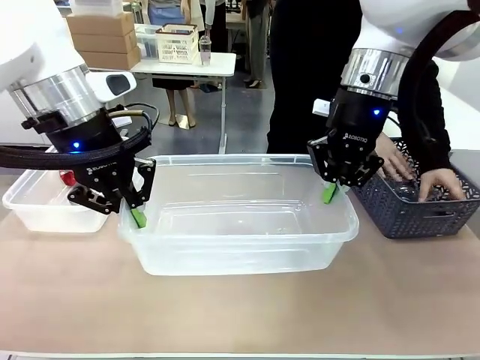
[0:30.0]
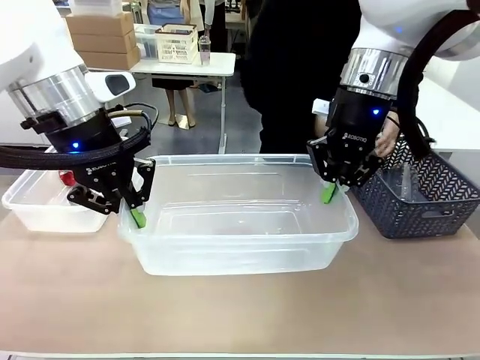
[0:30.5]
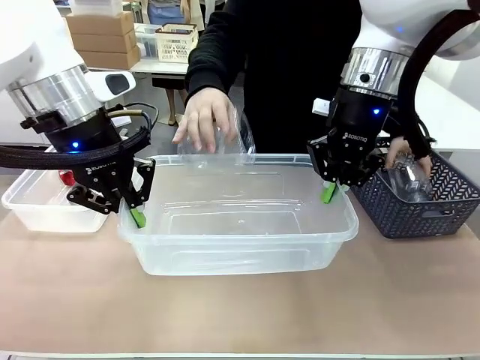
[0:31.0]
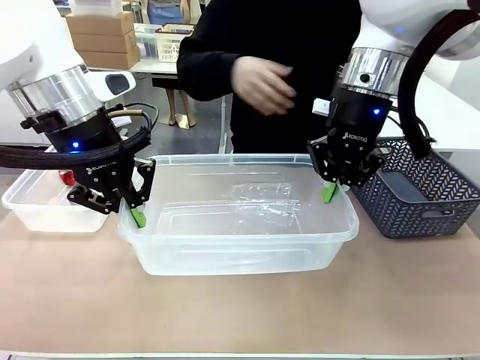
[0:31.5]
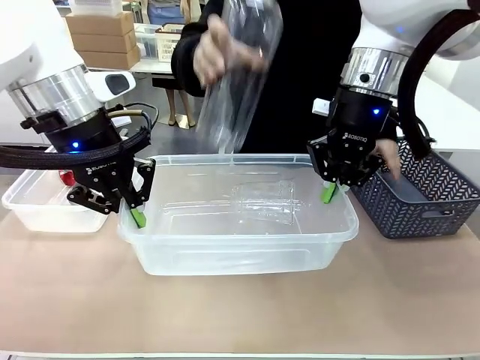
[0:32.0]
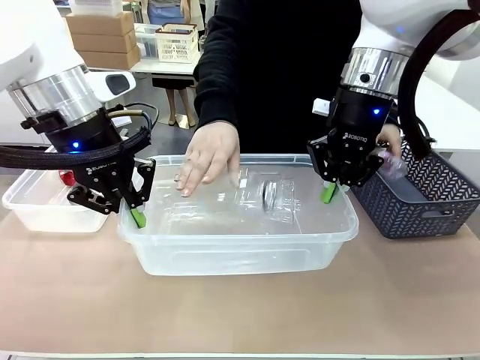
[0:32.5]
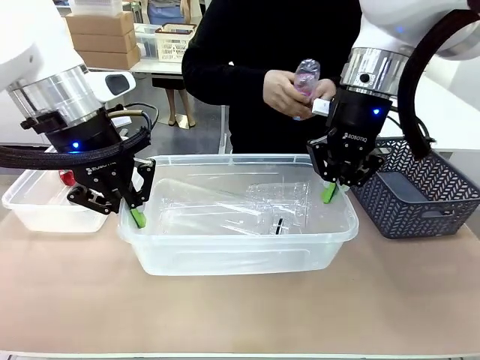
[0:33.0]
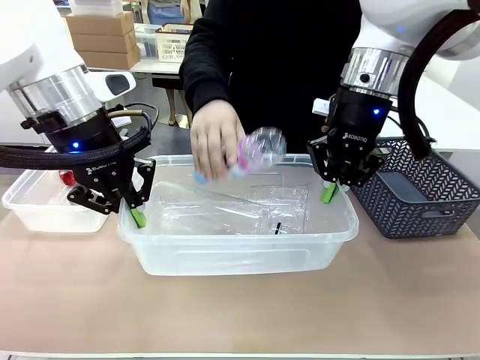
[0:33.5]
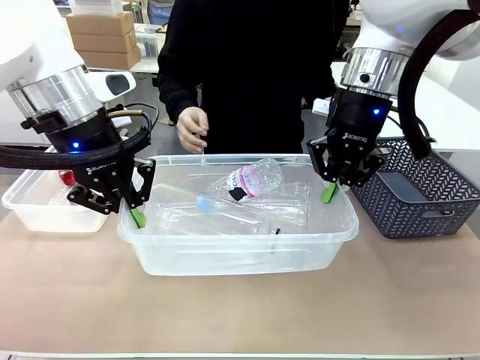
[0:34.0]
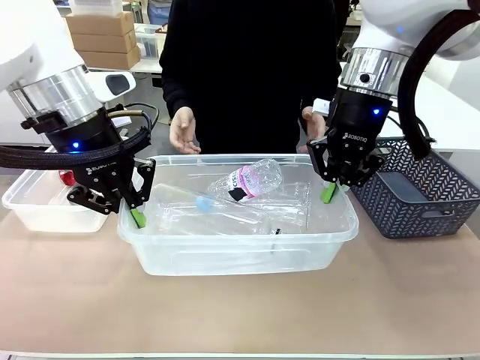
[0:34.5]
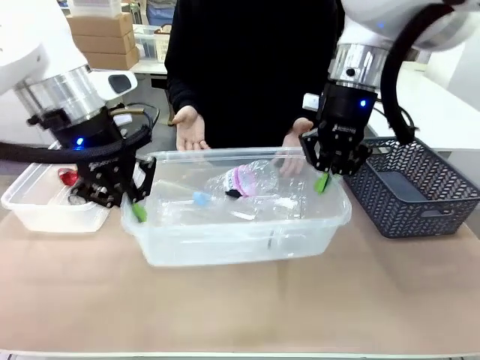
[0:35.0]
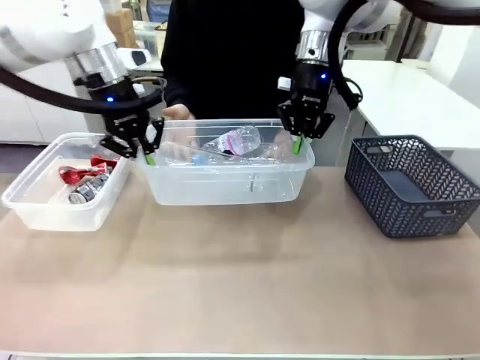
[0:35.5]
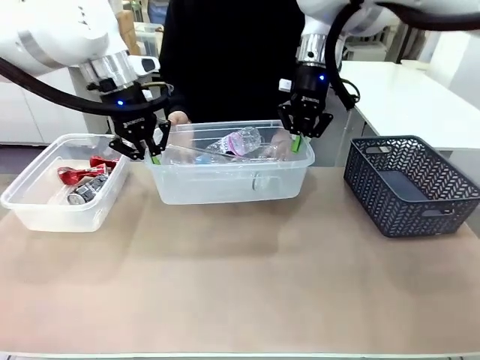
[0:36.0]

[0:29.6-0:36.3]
Robot: Offer the picked Organizing box to the human.
Person: Pick up plastic waste one by one and place it into the organizing box lifted by the robot.

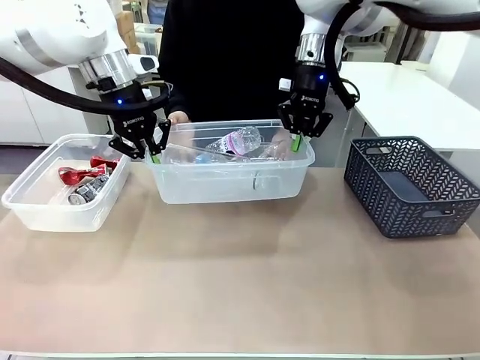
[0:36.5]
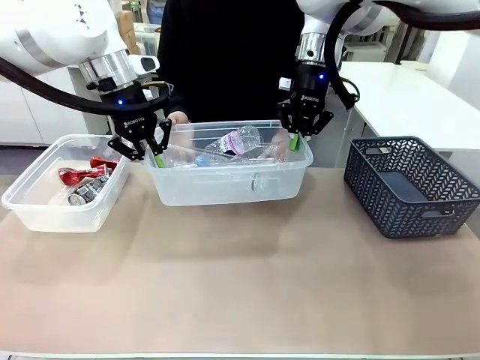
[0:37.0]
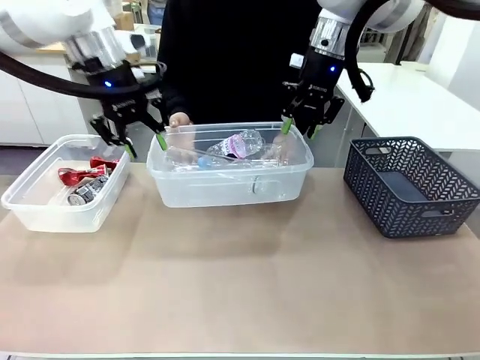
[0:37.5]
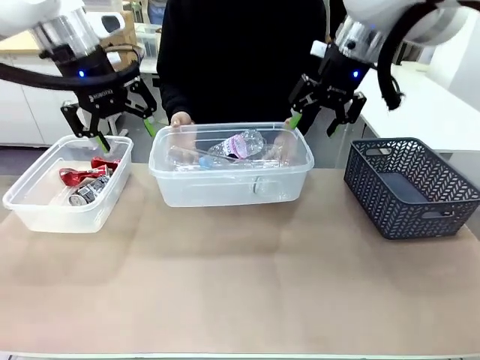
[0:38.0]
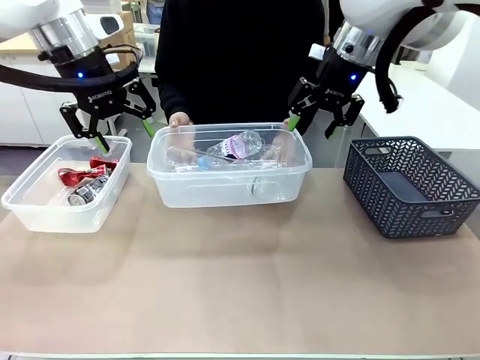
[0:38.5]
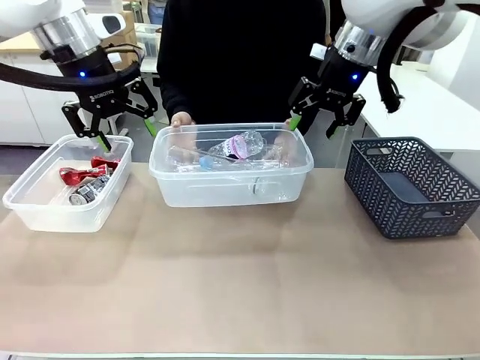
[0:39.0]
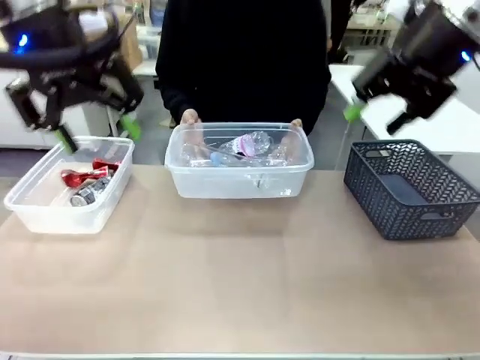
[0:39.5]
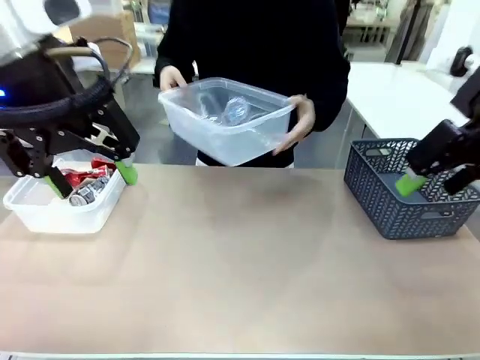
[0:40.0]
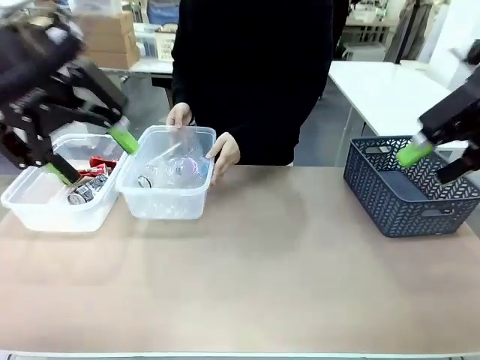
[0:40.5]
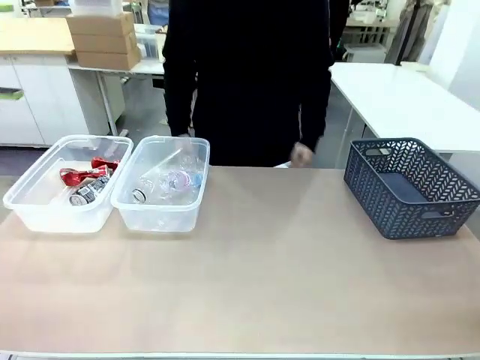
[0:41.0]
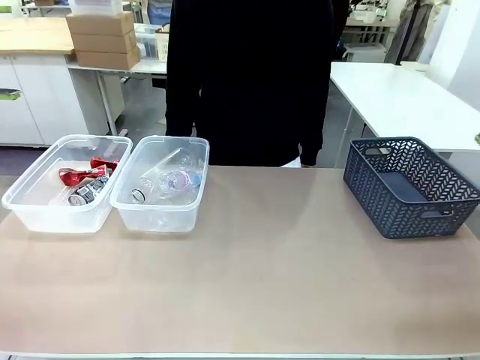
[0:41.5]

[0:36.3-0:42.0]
Robot: Release the Organizing box you were holding.
Person: Pick up the organizing box extended by the robot. Place the organizing box to the left of the sorting box containing the can waste.

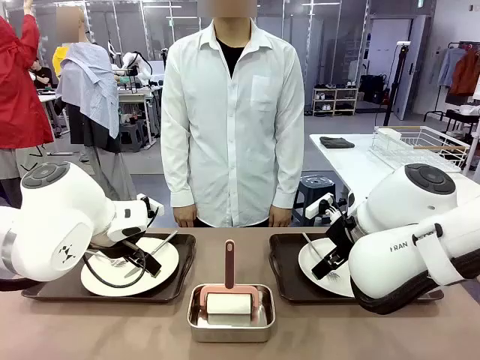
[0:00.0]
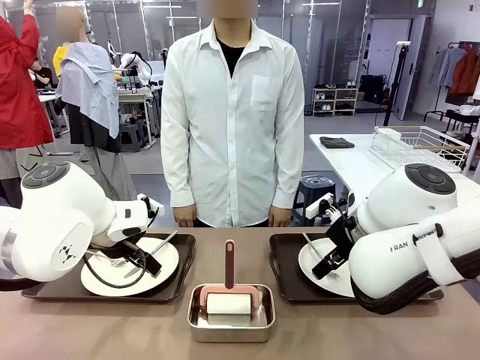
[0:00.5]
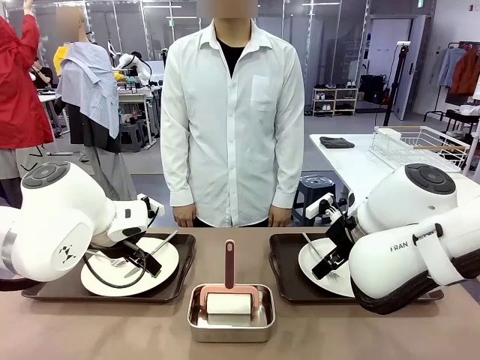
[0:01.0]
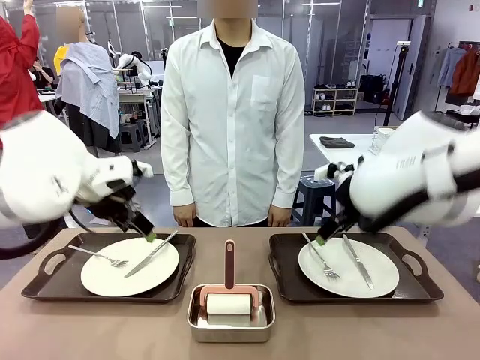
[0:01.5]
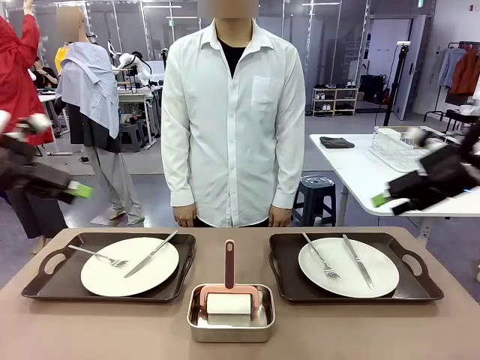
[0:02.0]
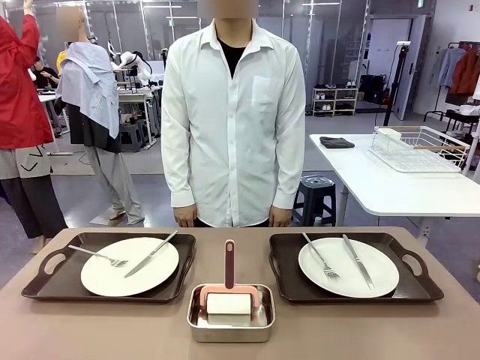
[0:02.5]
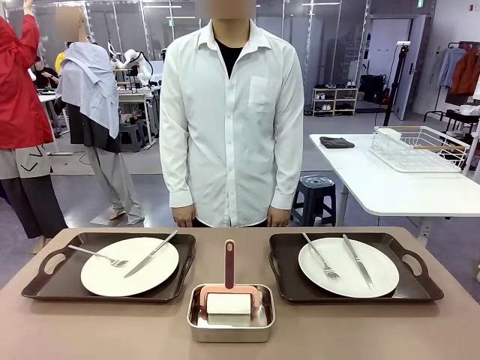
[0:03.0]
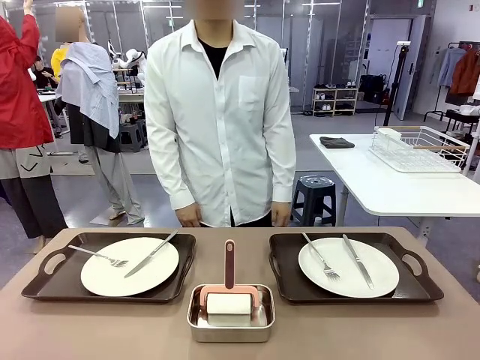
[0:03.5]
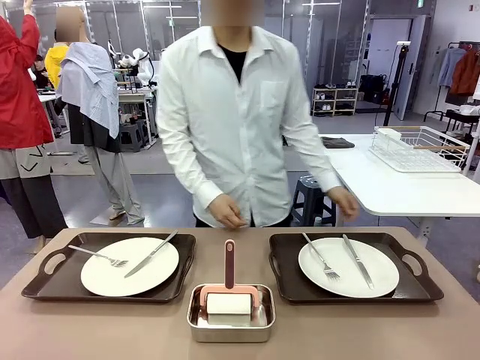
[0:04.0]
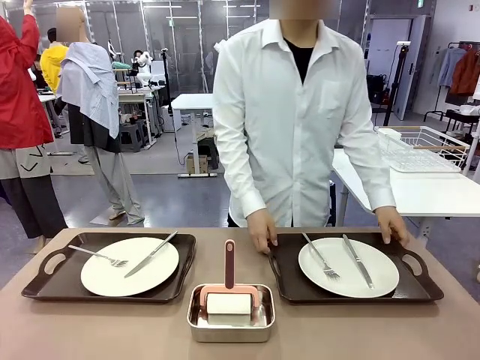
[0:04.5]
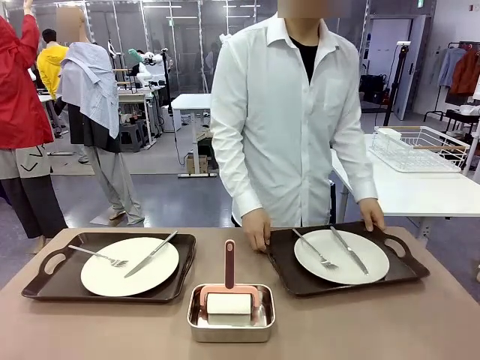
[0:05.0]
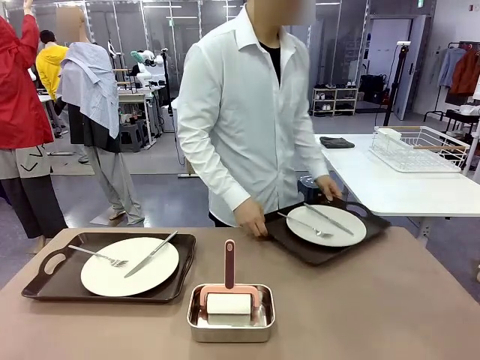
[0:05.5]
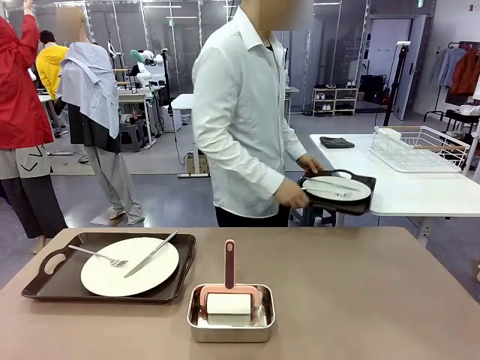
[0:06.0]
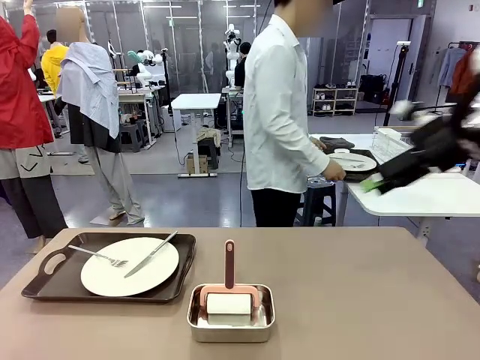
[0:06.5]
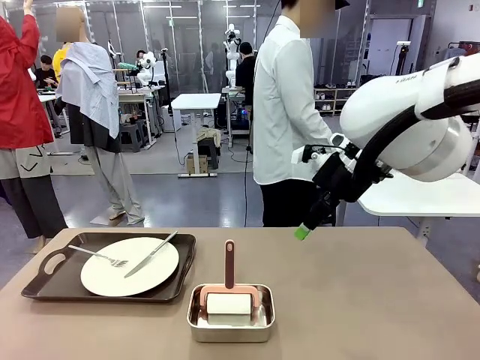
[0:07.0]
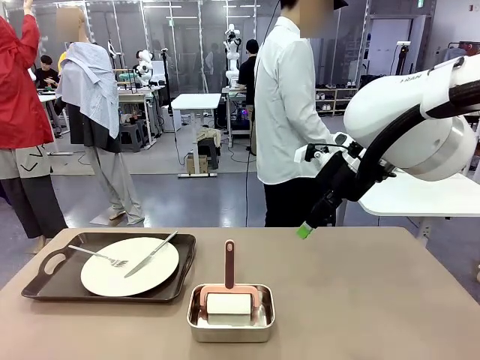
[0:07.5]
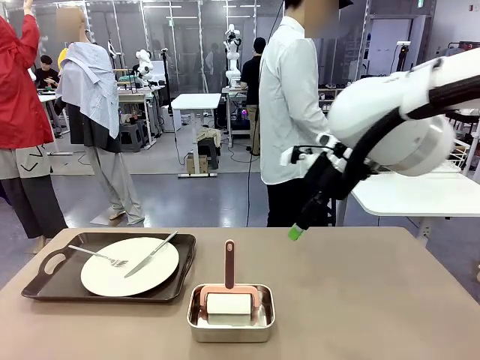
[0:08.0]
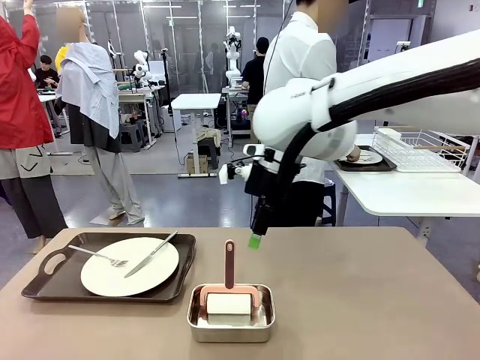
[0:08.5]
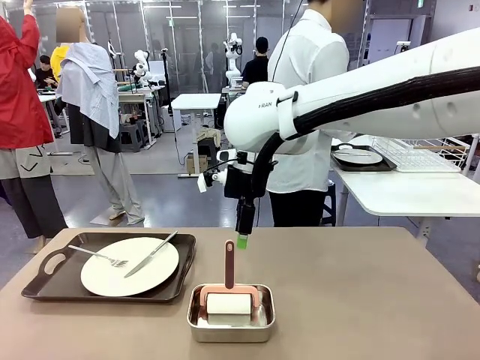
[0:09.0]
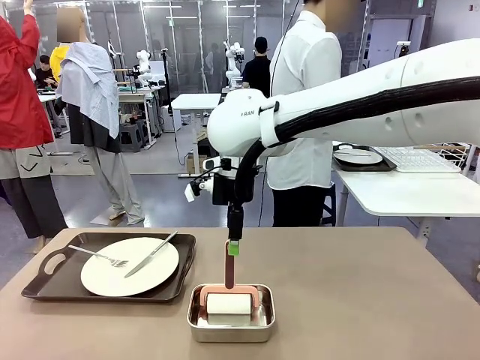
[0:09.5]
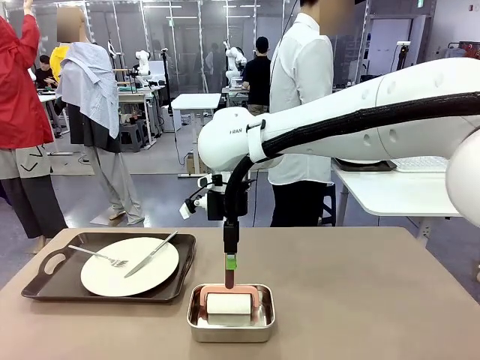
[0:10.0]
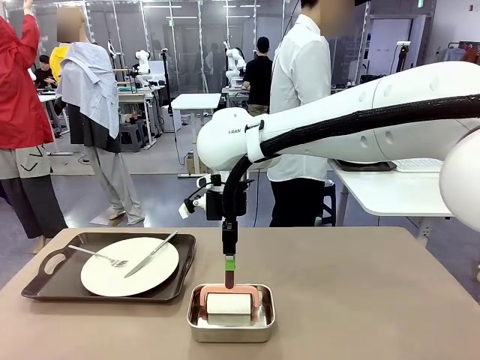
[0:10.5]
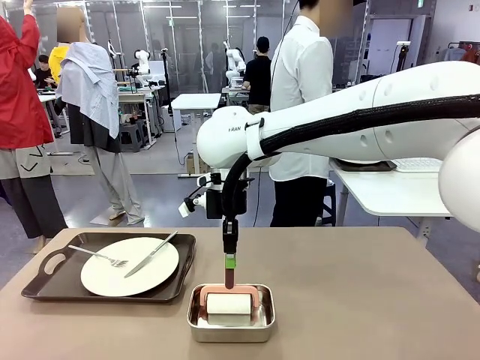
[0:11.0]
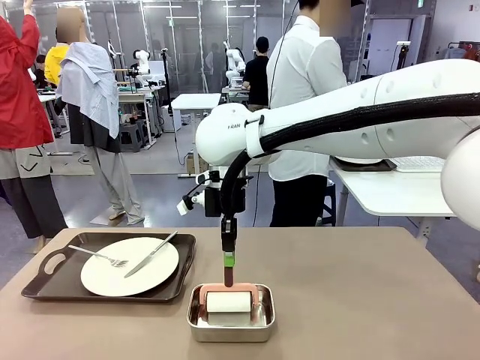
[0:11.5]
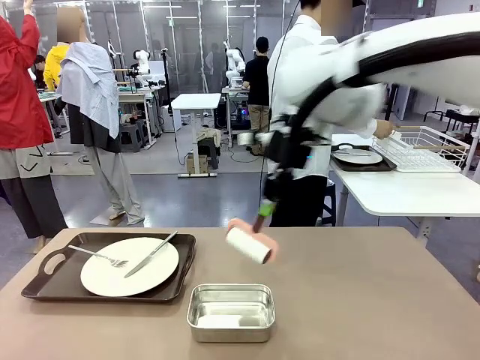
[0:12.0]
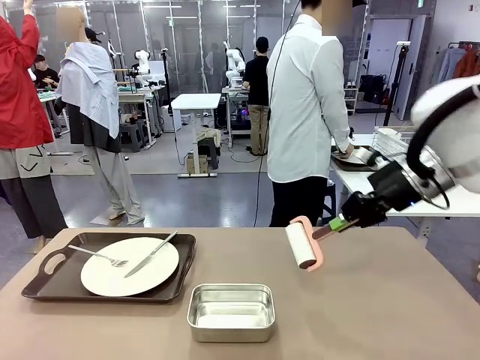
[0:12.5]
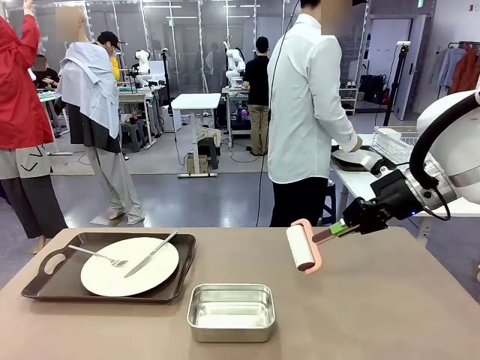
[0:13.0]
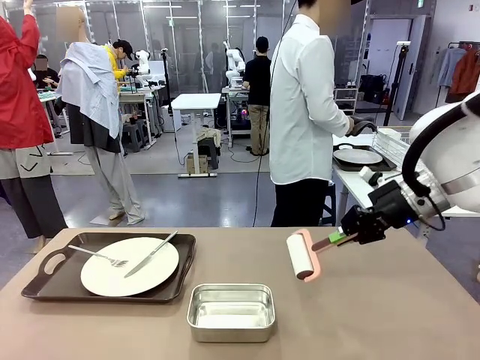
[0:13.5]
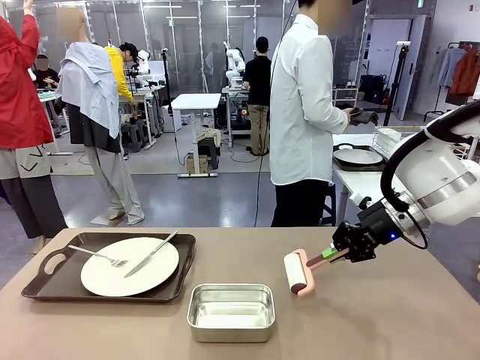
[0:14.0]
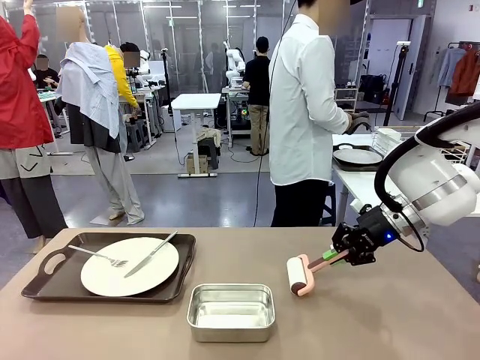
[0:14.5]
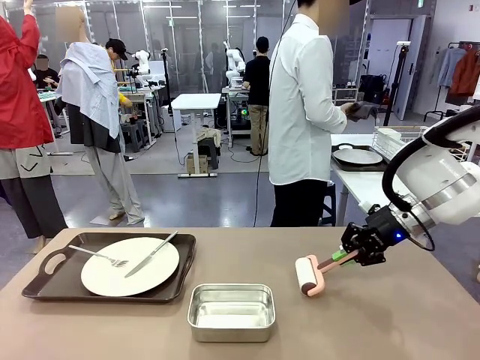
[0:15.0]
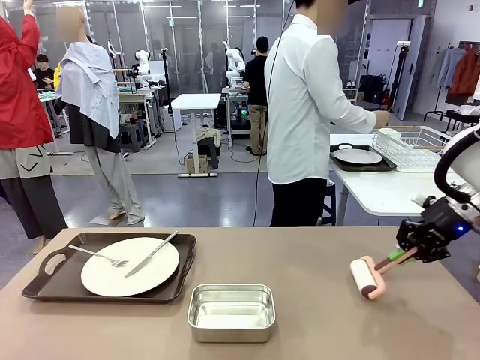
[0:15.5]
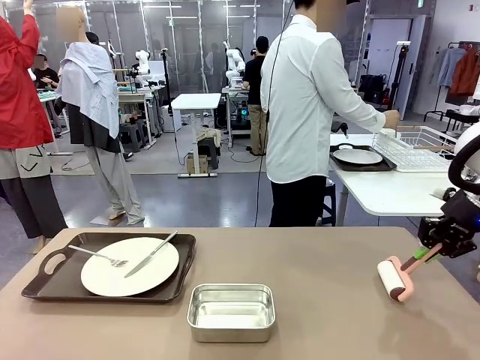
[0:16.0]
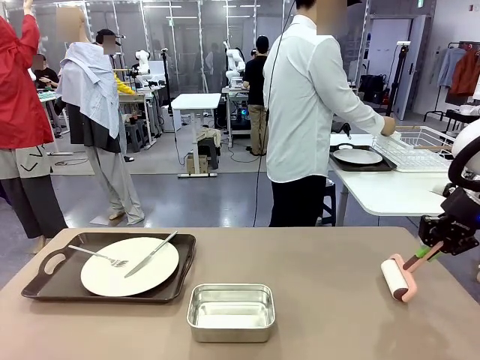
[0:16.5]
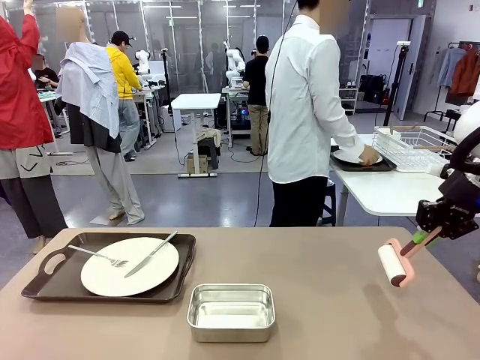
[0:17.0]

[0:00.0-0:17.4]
Robot: When the left (or right) Handle tray is removed, use the left hand (or right hand) to clean the left (or right) side of the table with the Lint Roller.
Person: Pick up the left (or right) Handle tray and place it on the middle of the Human's table. Use the Towel with hook to wipe the Plastic Matte Plate , Fork , and Knife and place into the Dish drying rack.
